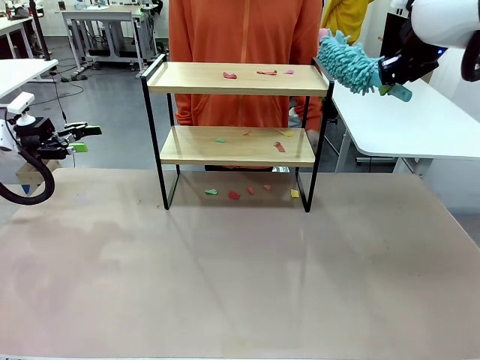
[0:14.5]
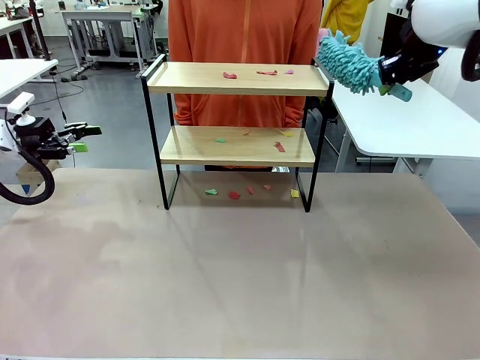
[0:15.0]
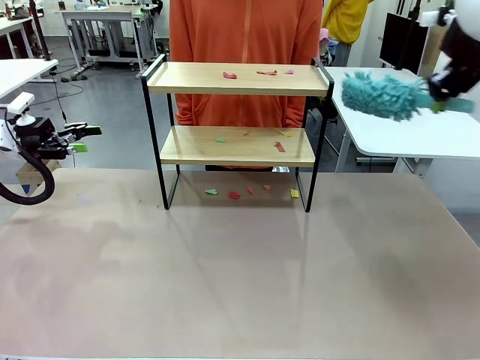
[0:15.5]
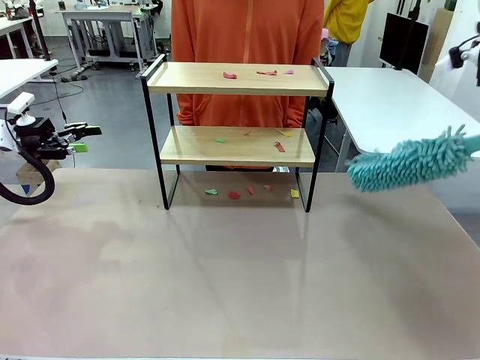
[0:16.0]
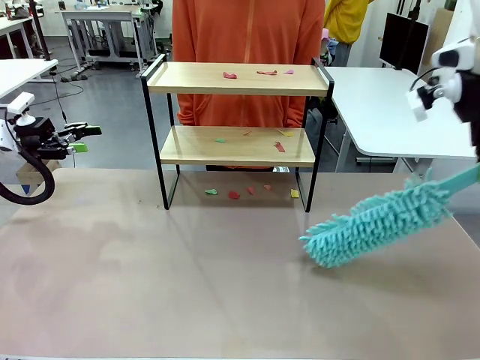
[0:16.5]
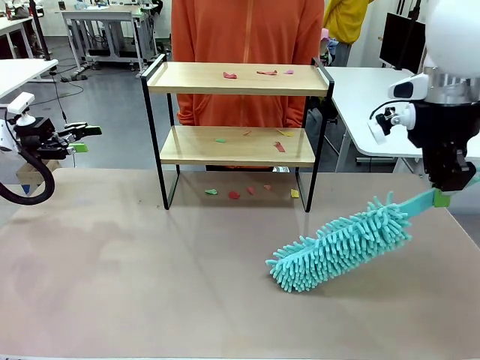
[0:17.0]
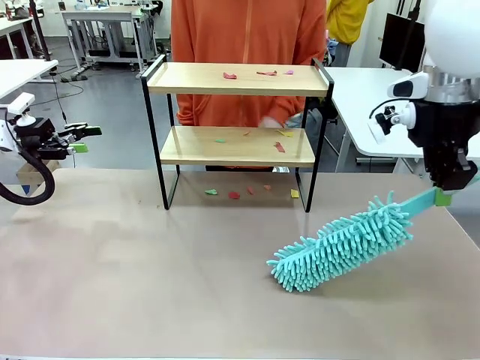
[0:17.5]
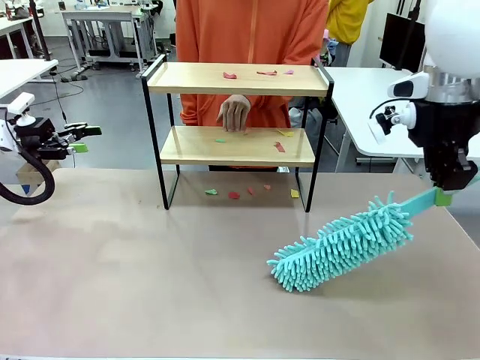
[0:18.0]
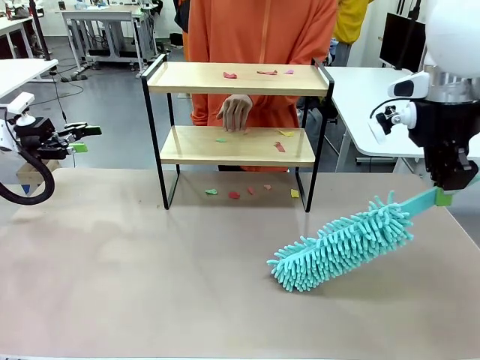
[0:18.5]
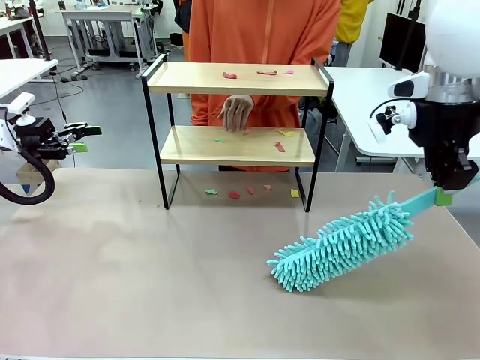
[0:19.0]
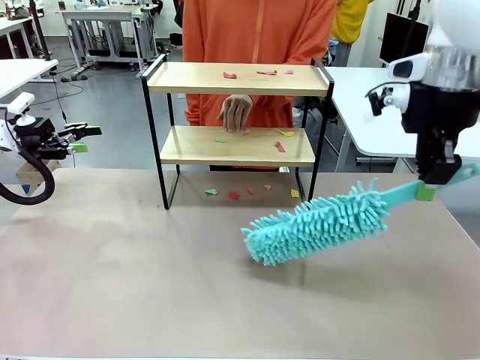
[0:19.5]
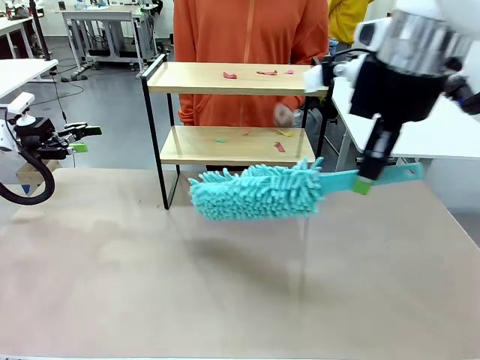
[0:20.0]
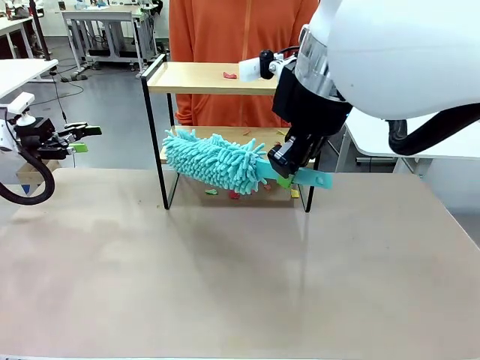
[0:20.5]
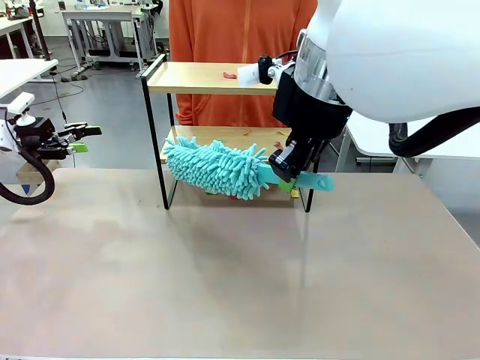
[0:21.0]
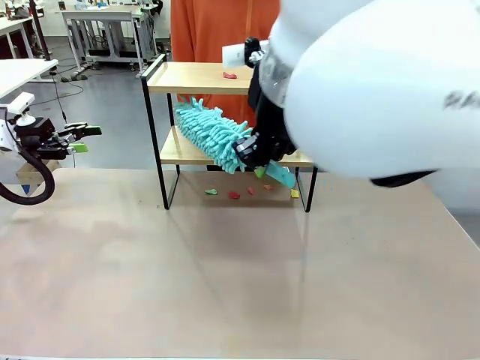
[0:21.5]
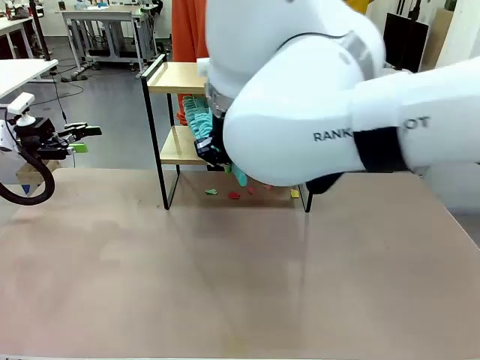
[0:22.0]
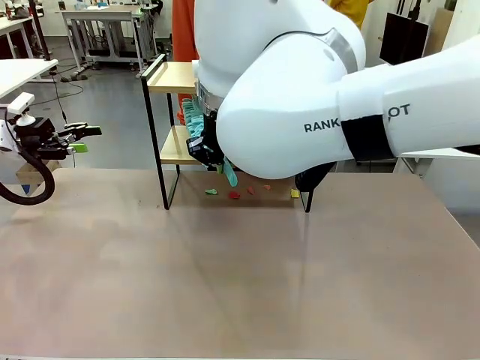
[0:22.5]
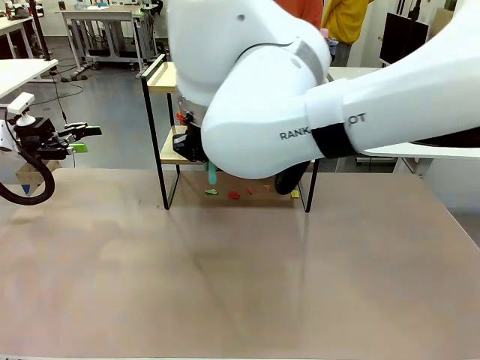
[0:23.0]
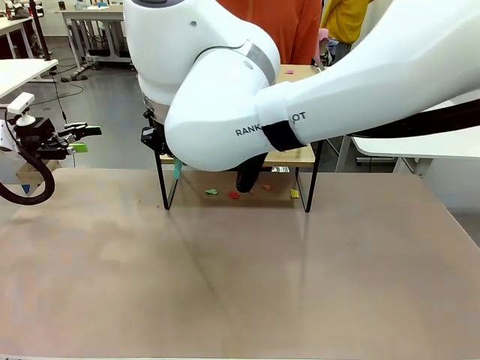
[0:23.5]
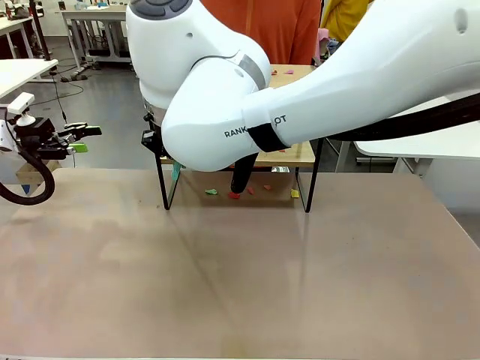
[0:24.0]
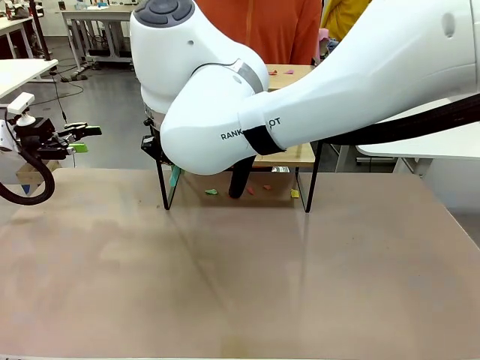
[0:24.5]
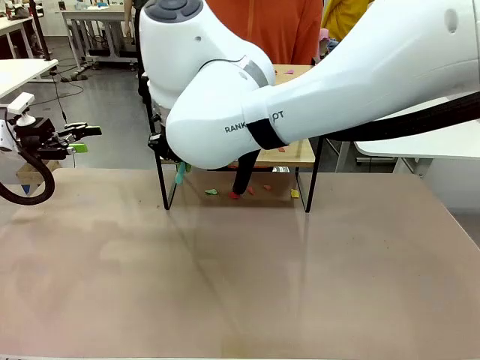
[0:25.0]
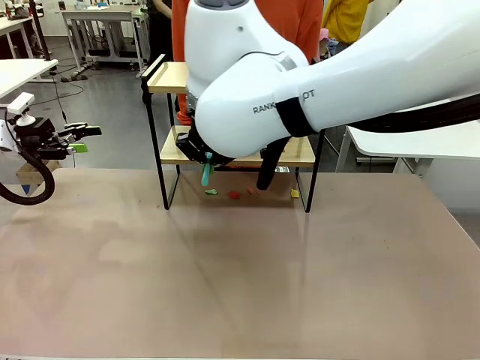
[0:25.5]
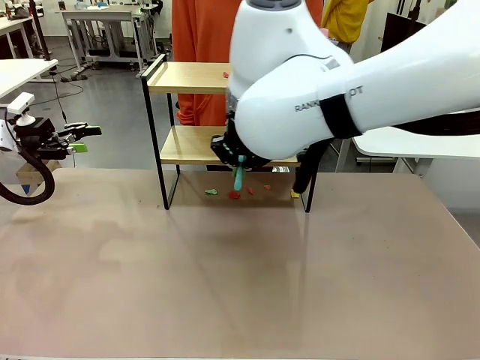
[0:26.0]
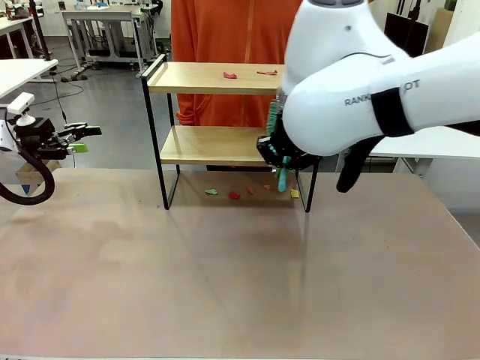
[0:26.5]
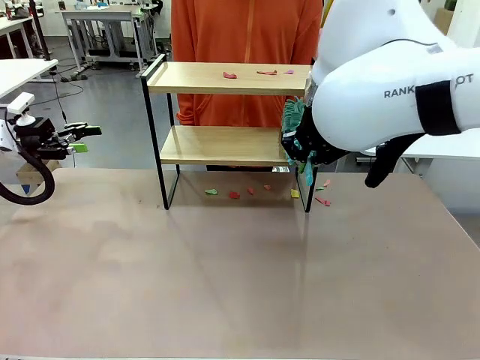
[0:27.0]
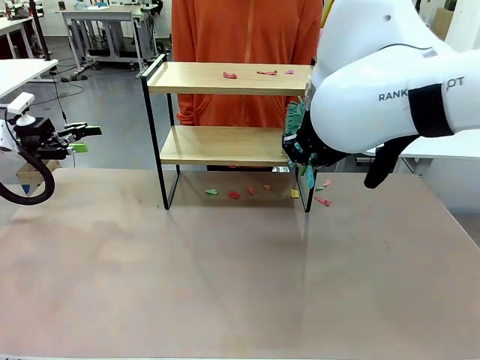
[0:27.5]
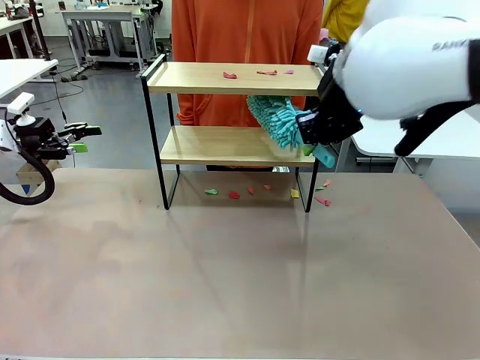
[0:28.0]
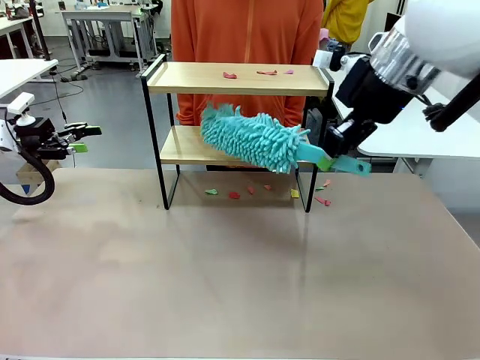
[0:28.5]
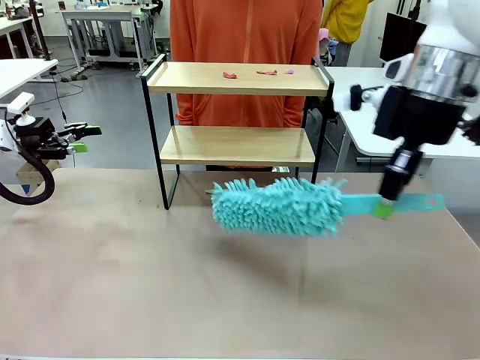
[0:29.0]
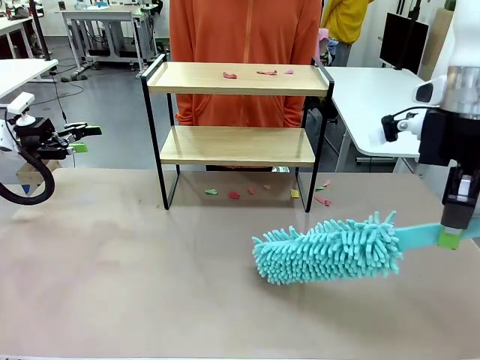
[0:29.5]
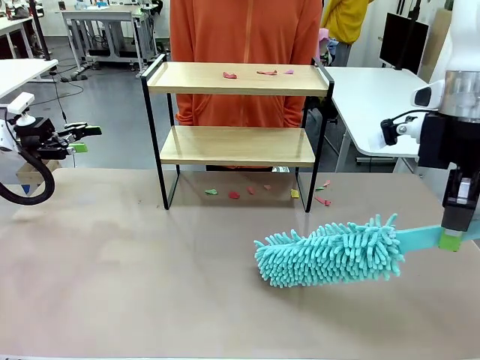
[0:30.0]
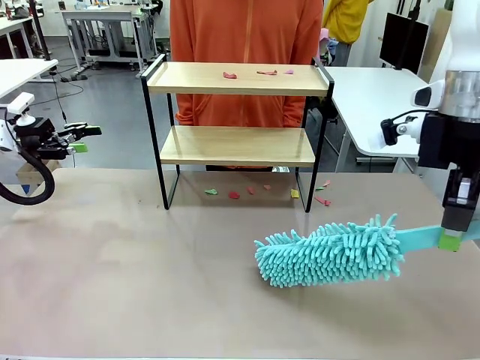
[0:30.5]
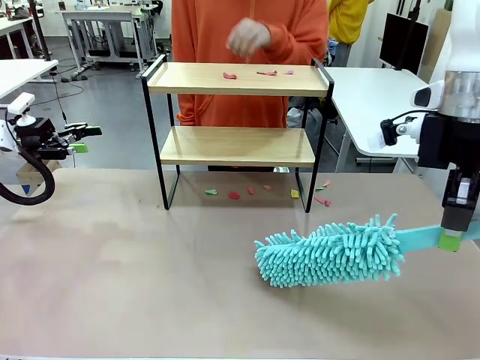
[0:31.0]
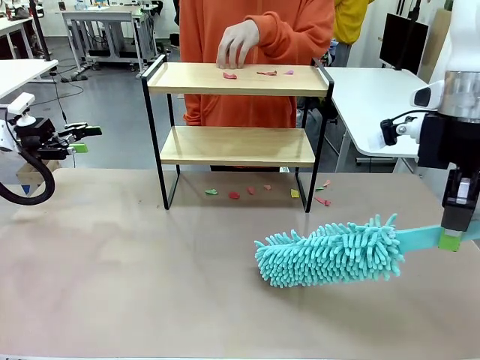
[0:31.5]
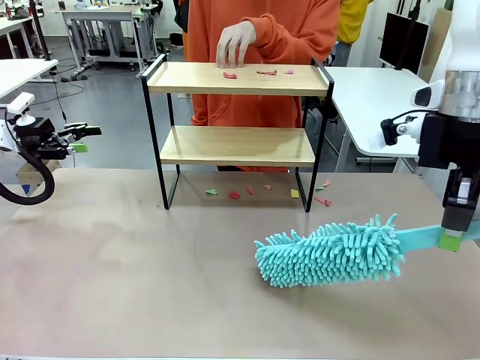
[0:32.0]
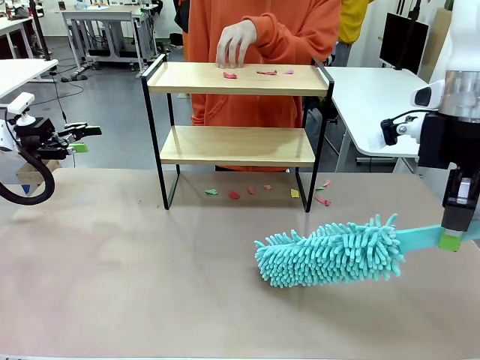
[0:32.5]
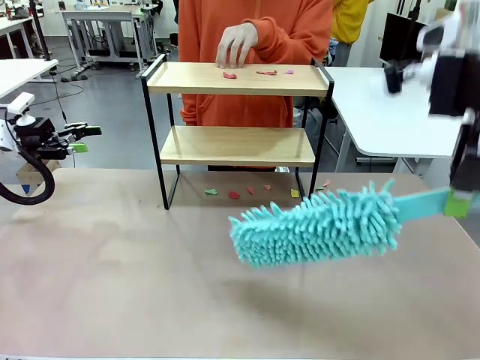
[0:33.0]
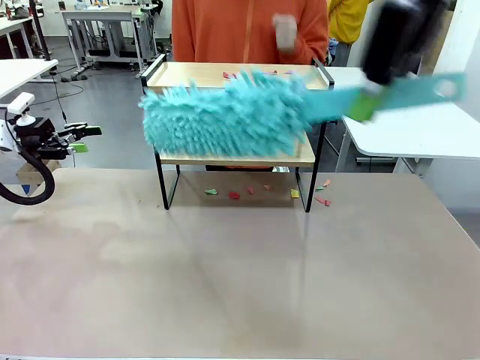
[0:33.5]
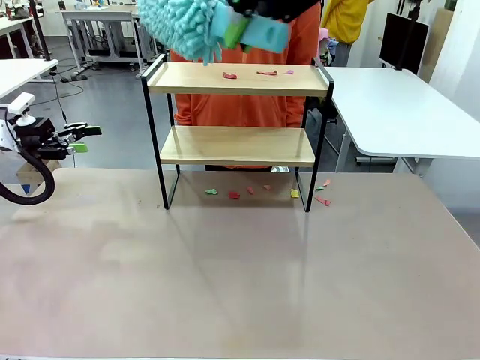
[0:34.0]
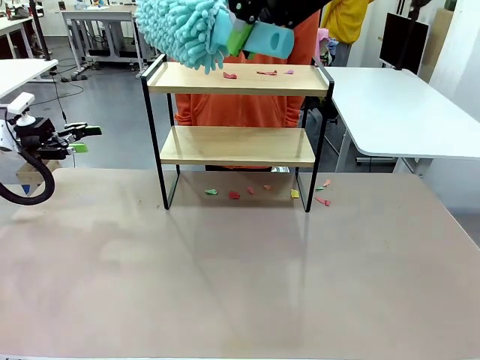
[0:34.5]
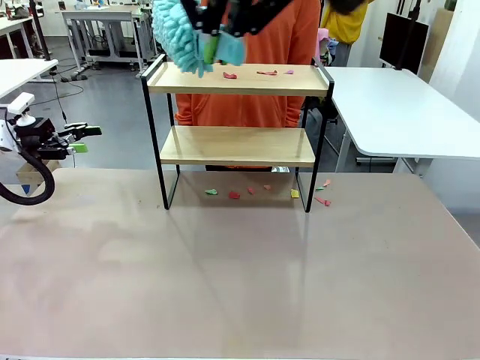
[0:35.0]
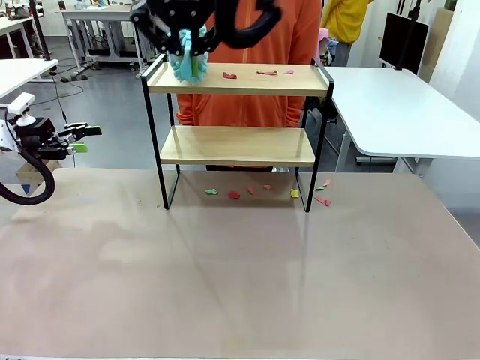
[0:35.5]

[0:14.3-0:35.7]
Task: Clean the shelf.
Robot: Clean the specific section of the Shelf indicated by the human with the Duster.
Person: Point a random section of the Shelf.
